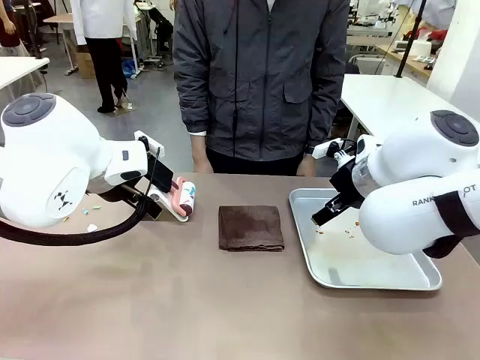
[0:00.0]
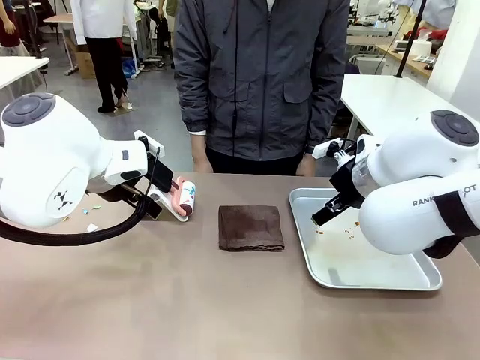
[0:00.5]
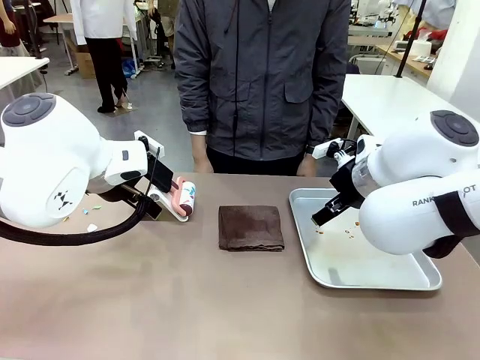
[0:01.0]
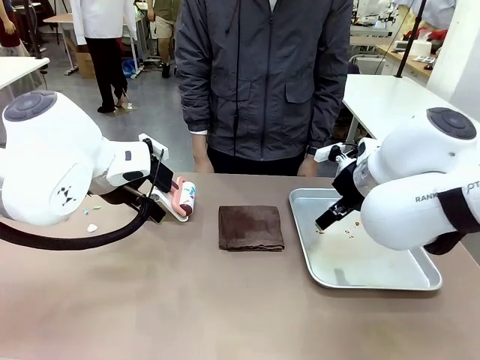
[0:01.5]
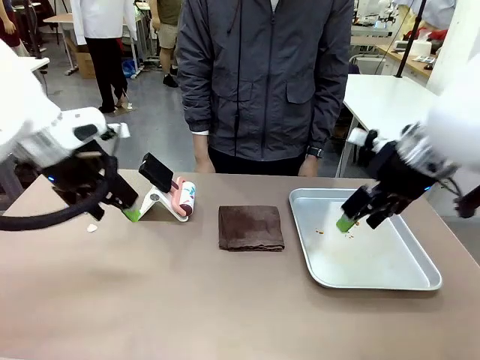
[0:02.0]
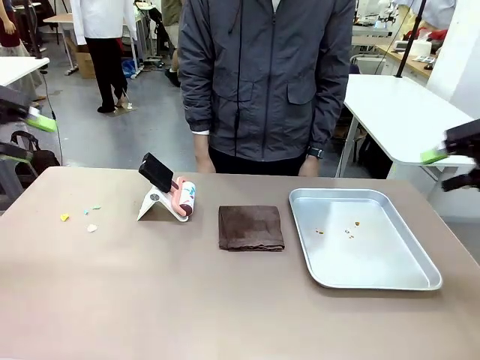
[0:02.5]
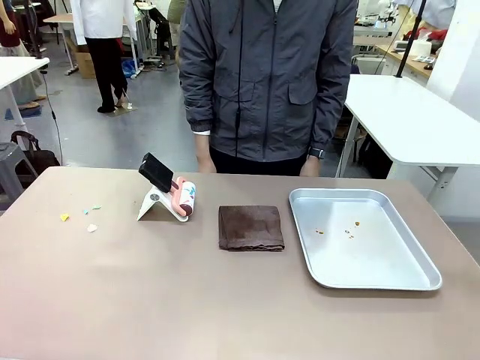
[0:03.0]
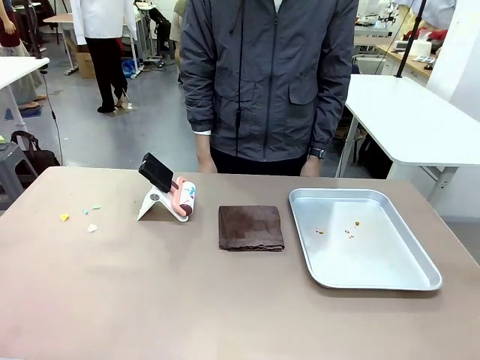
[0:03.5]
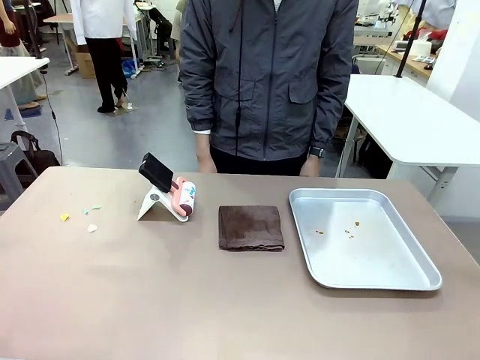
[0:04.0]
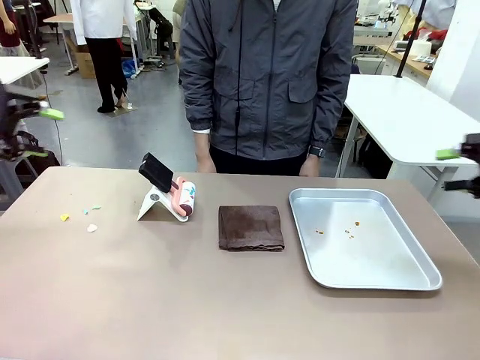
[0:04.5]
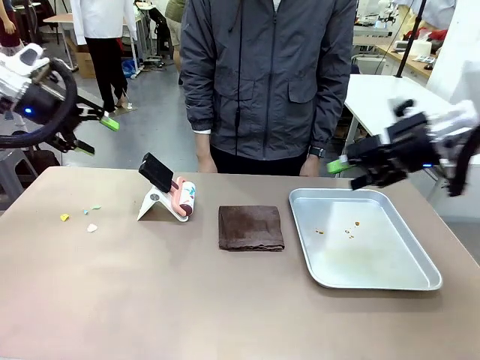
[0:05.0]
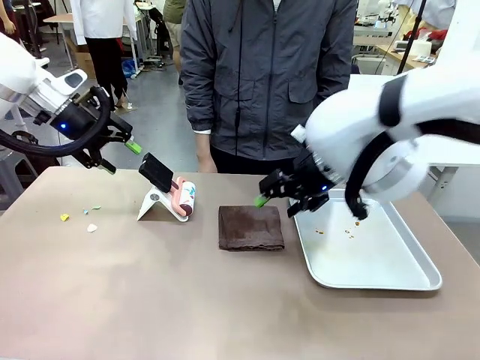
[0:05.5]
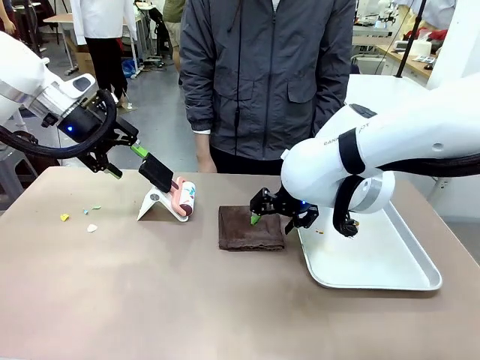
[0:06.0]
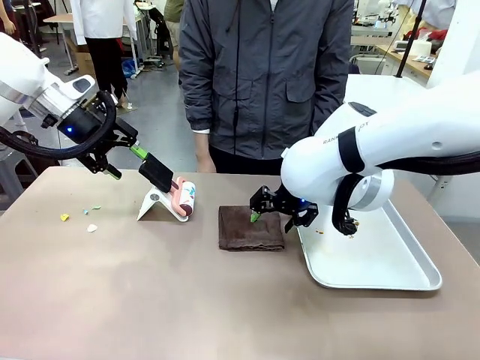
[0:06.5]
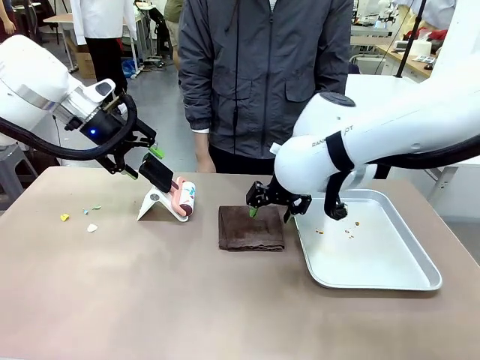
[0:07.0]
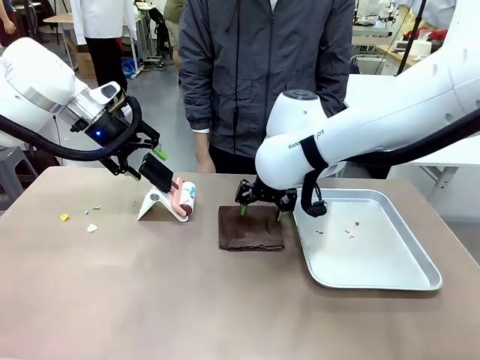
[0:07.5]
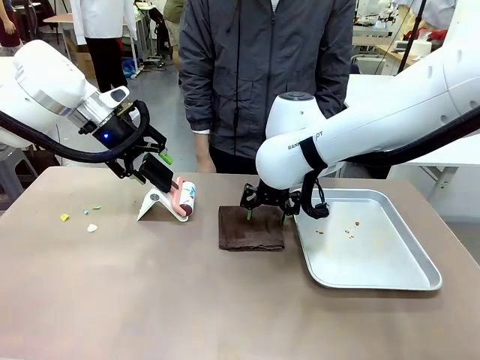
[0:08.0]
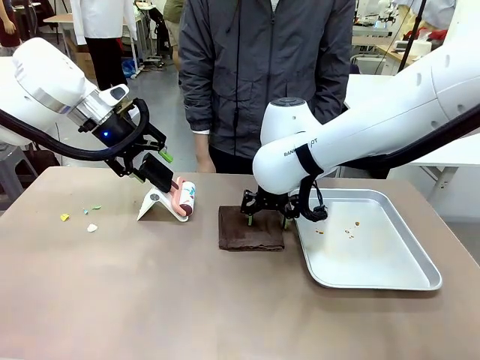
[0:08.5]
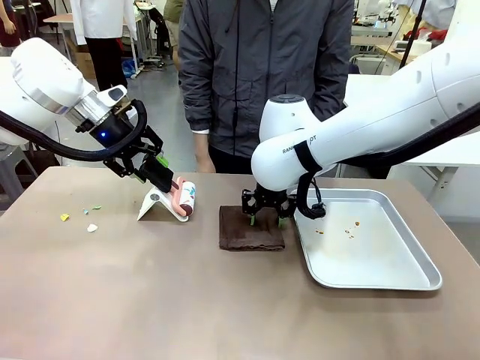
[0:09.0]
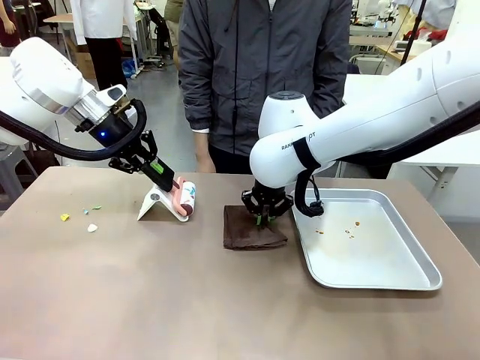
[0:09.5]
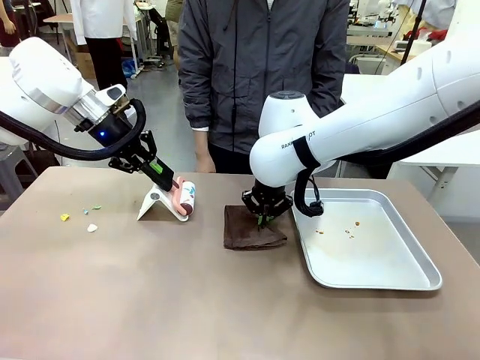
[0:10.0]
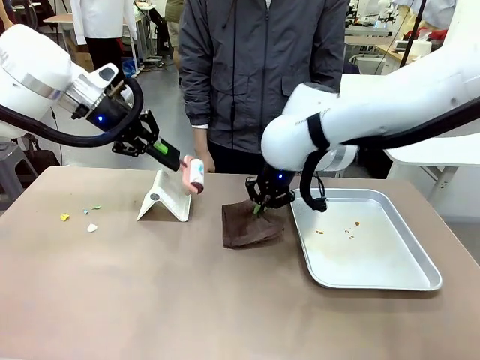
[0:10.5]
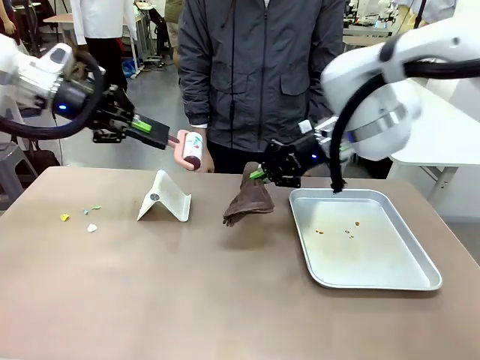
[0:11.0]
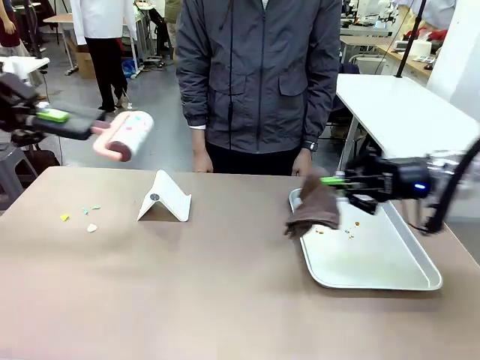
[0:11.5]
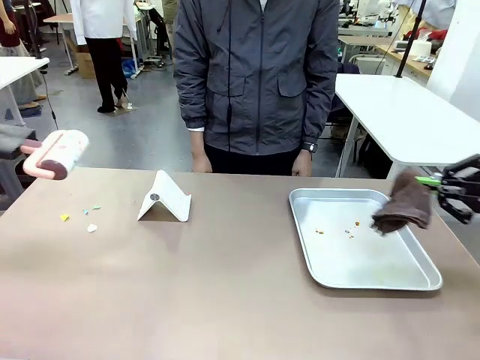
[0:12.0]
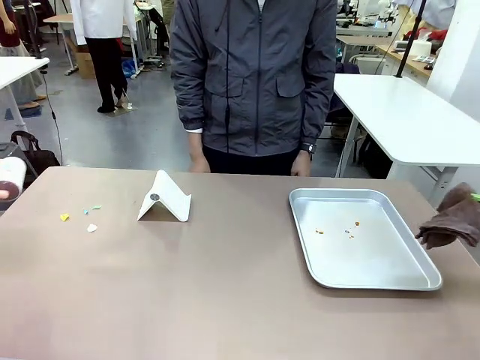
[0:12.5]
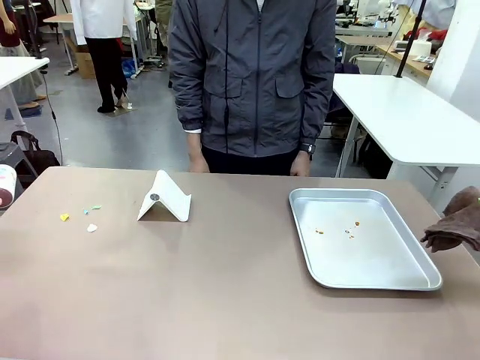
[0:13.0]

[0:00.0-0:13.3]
Task: Clean the surface of the table.
Robot: Hold the Lint Roller with your left hand and the towel with your right hand.

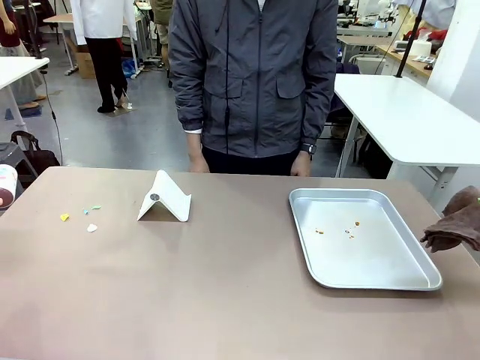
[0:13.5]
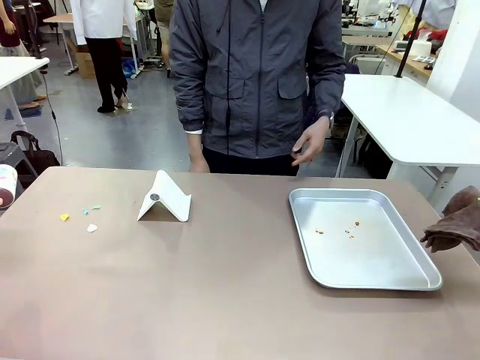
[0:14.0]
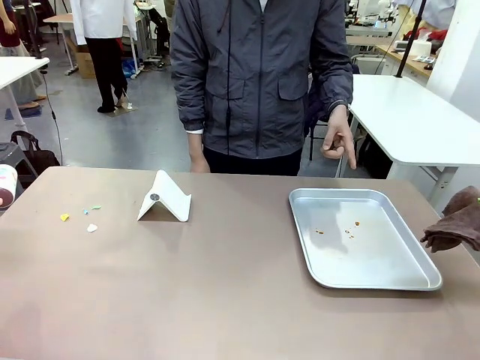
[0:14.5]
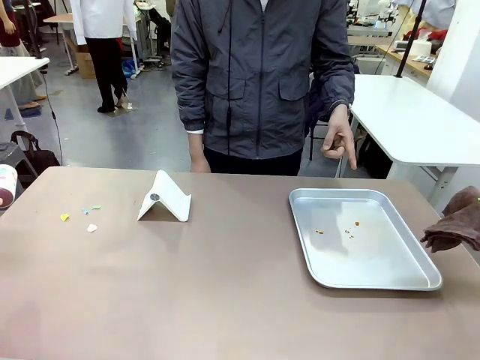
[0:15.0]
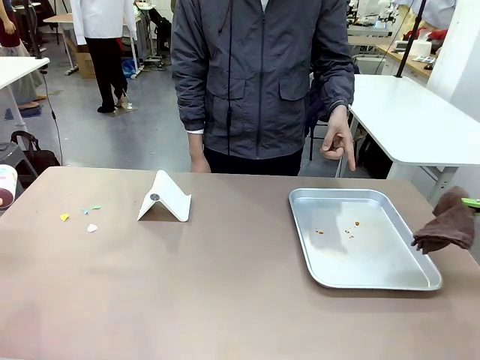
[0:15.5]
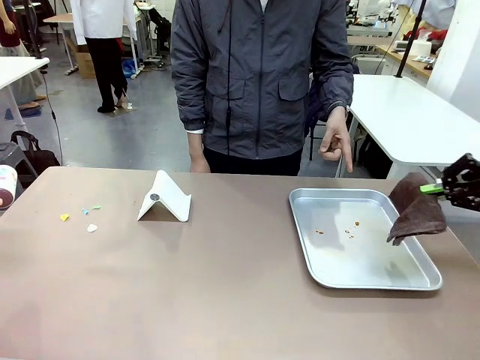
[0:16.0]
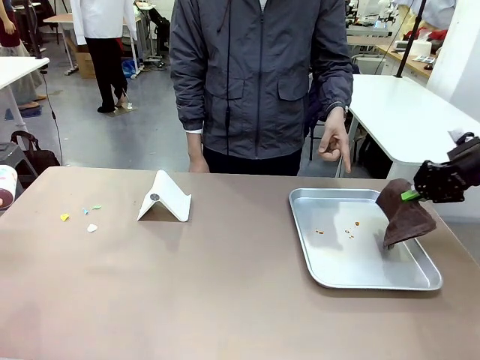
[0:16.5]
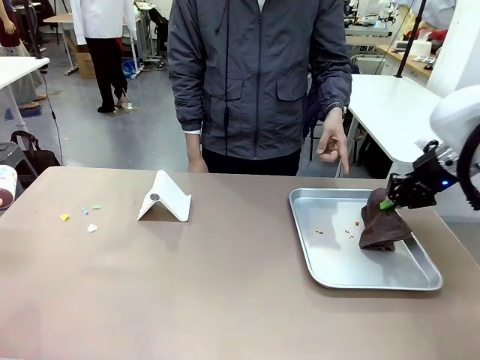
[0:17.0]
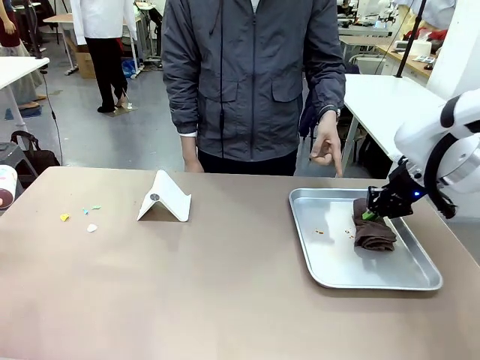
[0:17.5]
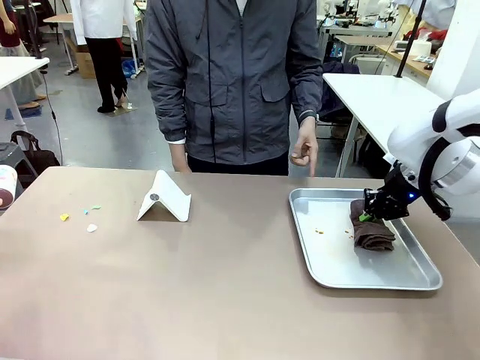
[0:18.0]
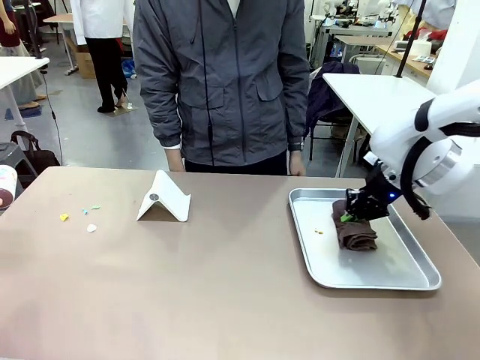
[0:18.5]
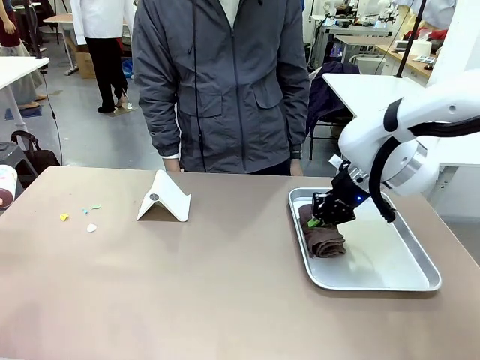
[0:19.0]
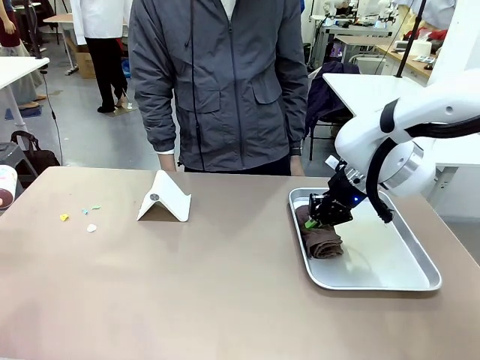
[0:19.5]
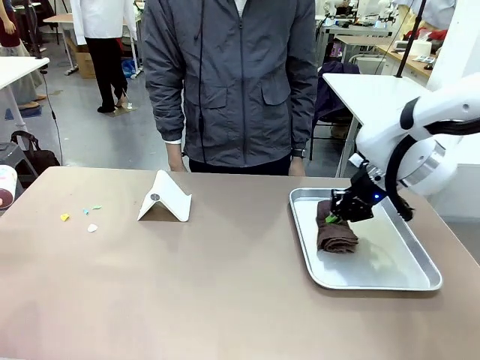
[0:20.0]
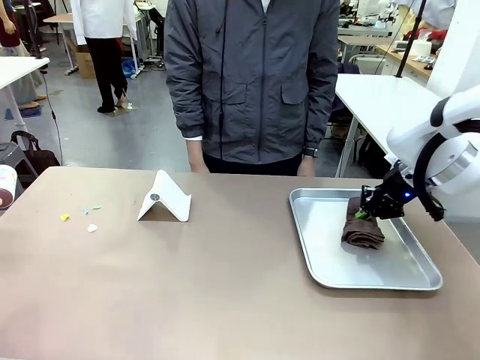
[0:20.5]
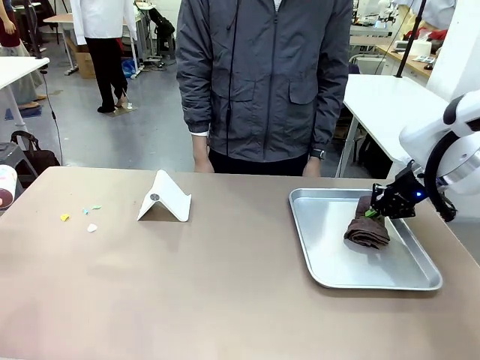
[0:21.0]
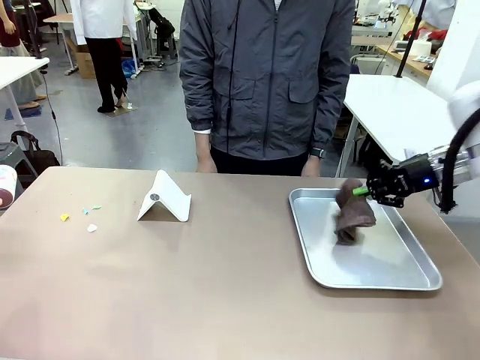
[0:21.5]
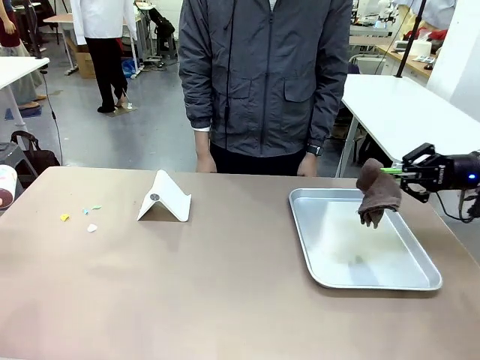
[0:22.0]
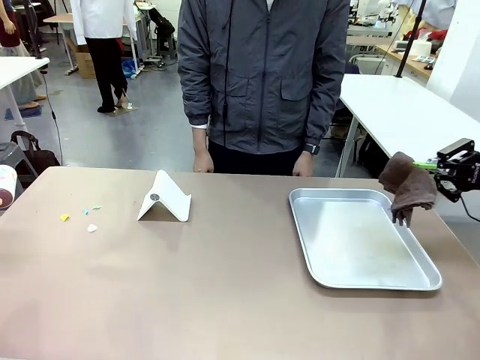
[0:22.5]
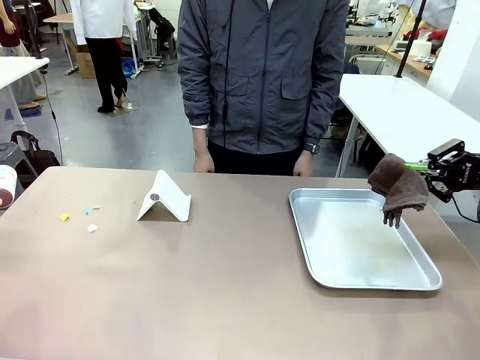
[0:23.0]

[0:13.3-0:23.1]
Robot: If a person points to the right, clean the right side of the table with your right hand, and if they point to the left, clean the left side with your left hand.

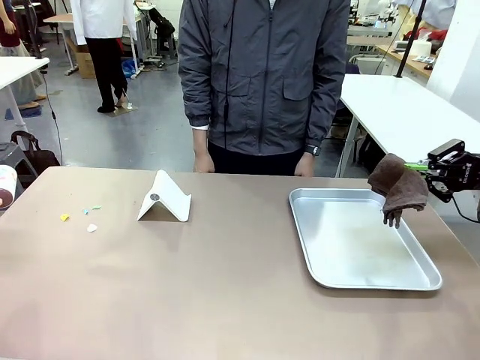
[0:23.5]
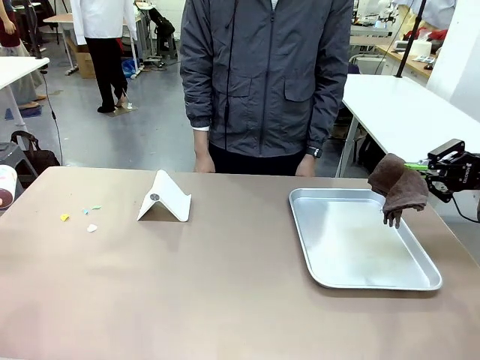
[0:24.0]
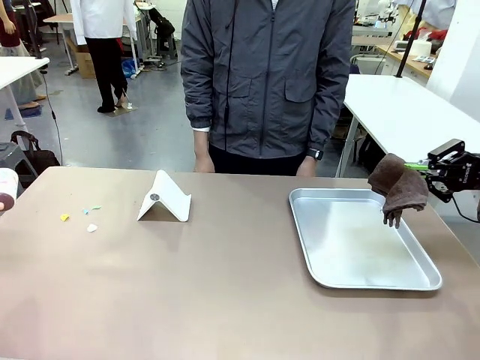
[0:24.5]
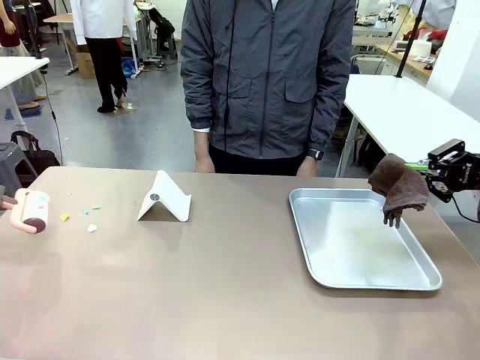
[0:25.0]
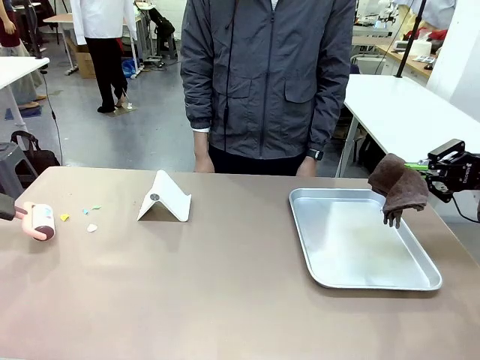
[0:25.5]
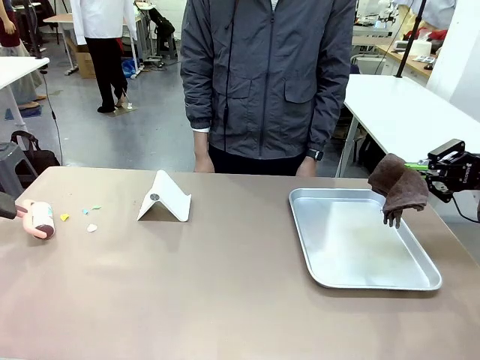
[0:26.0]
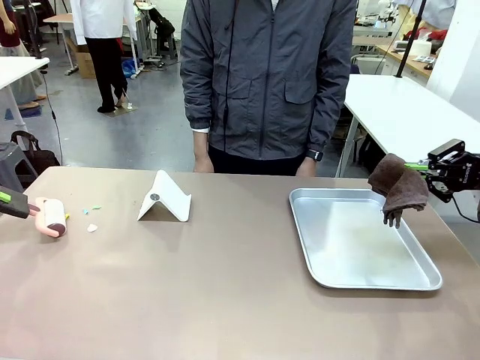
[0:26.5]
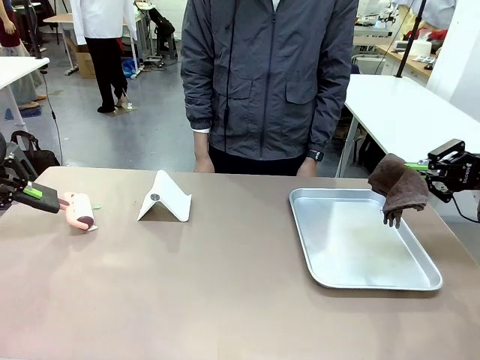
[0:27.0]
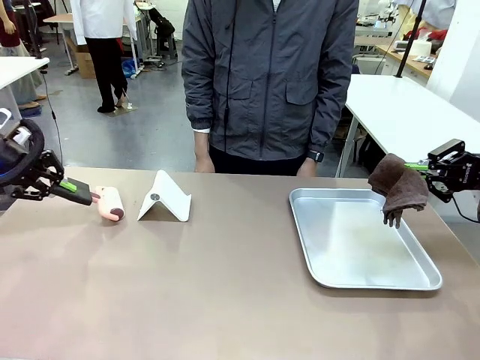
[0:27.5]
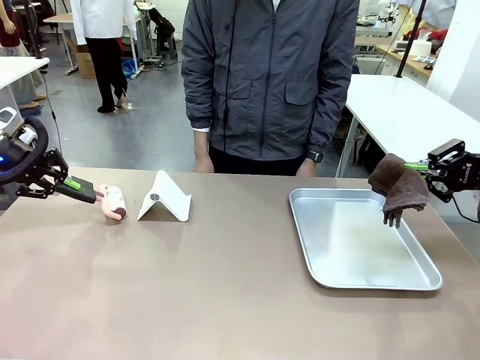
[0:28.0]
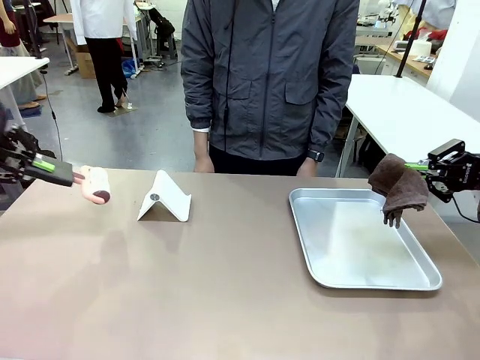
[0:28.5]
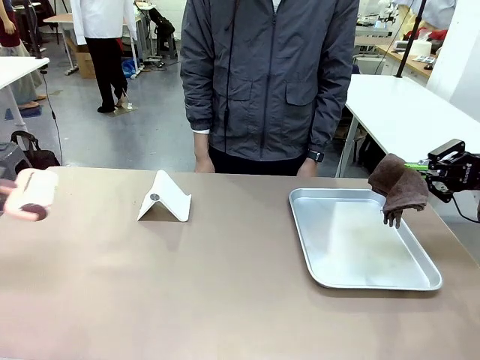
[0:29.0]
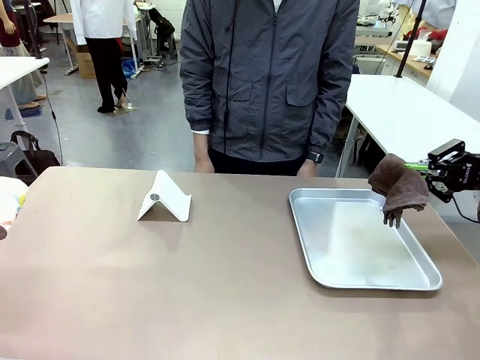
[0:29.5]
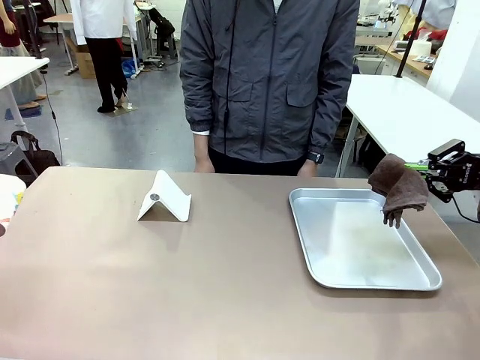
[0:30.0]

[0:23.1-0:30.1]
Robot: Clean the area not pointed to by the person.
